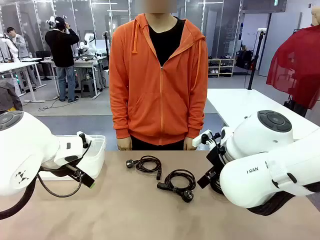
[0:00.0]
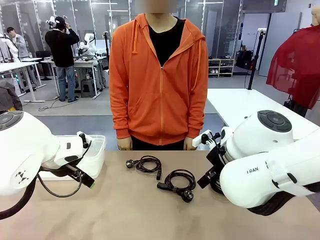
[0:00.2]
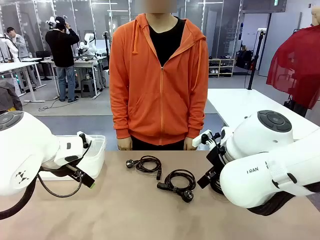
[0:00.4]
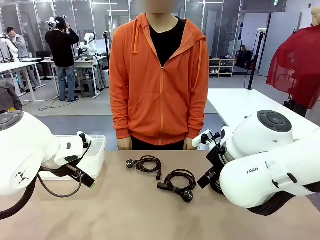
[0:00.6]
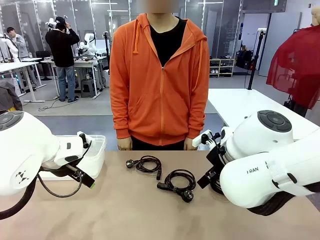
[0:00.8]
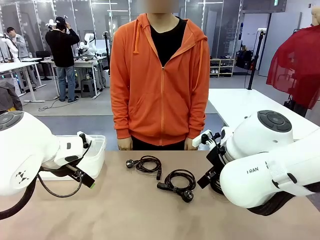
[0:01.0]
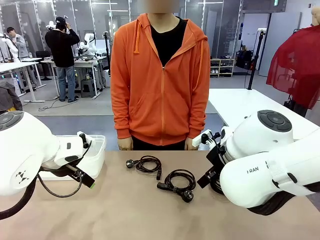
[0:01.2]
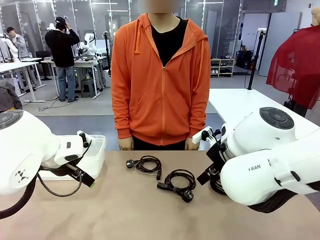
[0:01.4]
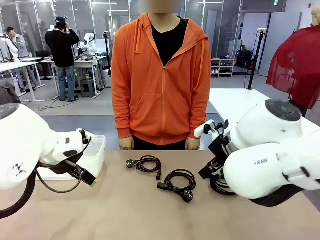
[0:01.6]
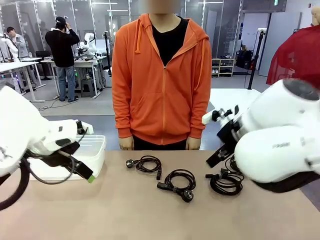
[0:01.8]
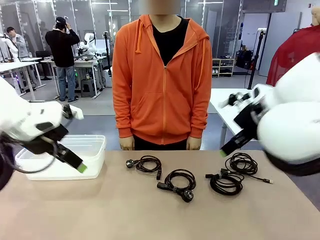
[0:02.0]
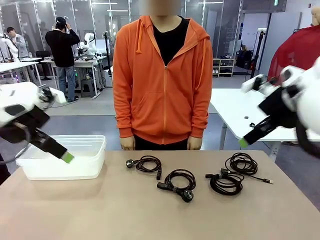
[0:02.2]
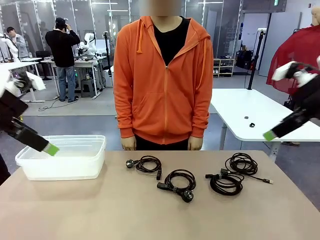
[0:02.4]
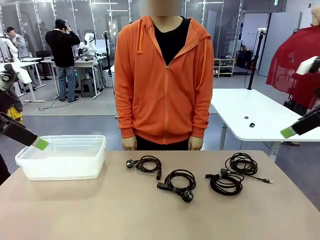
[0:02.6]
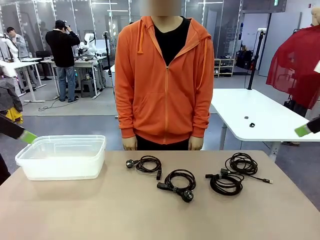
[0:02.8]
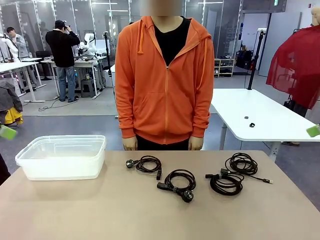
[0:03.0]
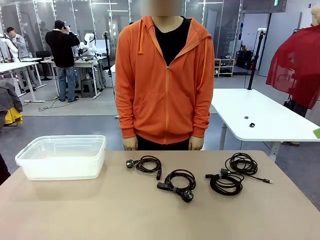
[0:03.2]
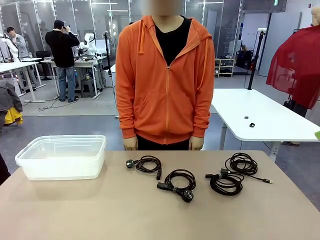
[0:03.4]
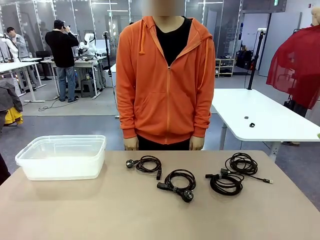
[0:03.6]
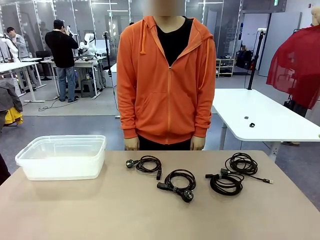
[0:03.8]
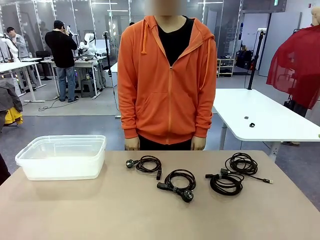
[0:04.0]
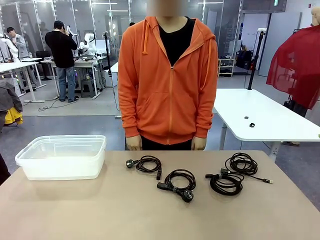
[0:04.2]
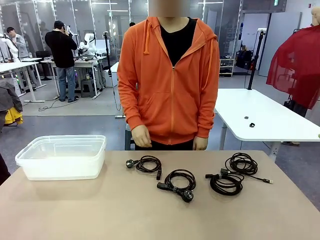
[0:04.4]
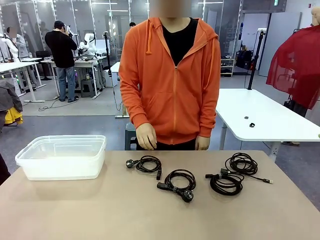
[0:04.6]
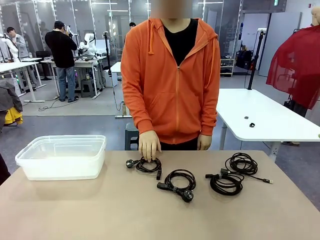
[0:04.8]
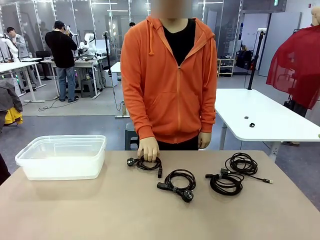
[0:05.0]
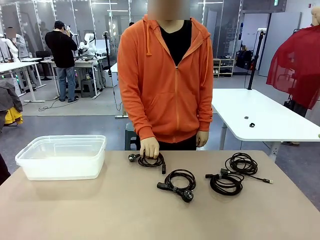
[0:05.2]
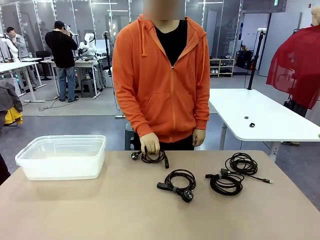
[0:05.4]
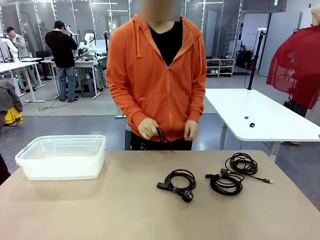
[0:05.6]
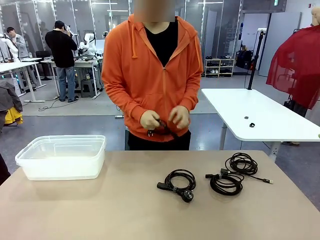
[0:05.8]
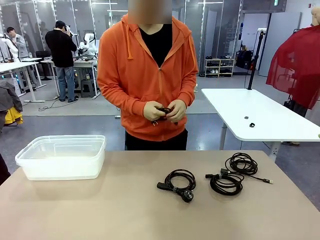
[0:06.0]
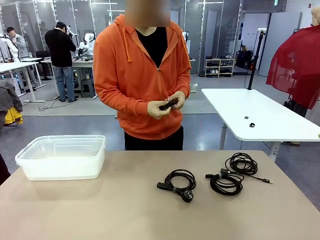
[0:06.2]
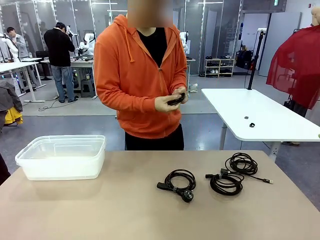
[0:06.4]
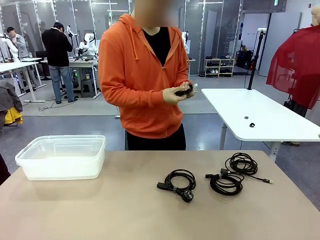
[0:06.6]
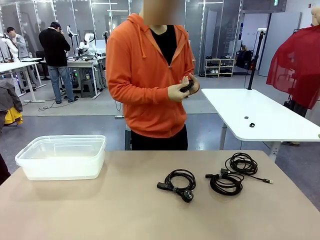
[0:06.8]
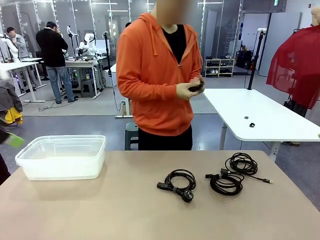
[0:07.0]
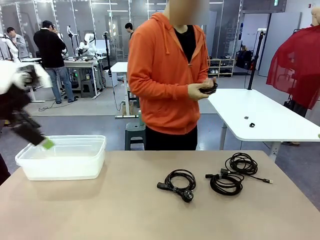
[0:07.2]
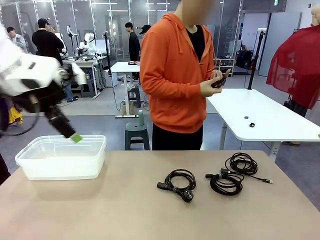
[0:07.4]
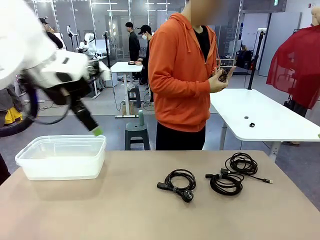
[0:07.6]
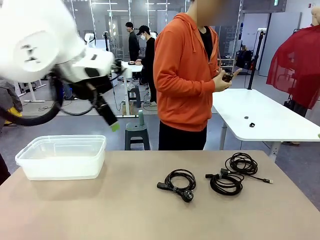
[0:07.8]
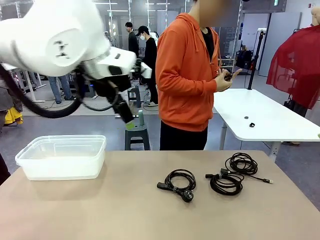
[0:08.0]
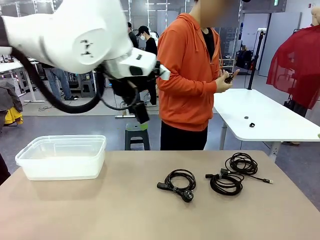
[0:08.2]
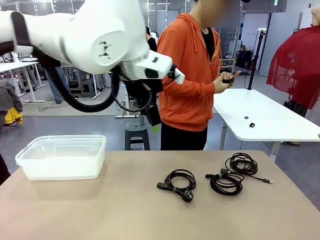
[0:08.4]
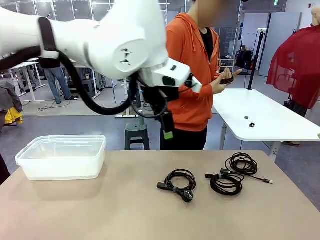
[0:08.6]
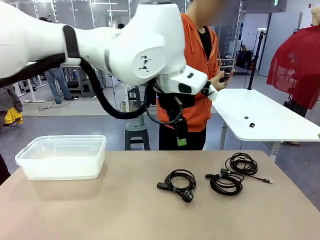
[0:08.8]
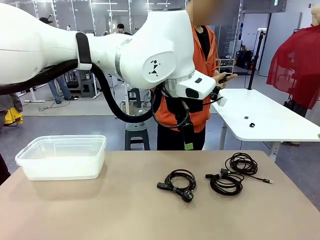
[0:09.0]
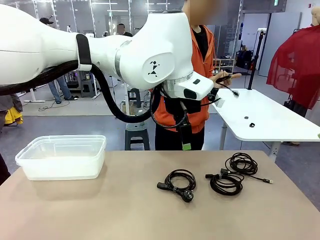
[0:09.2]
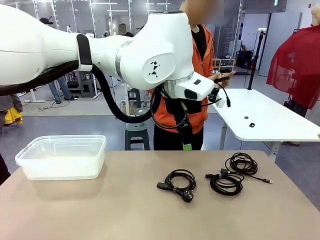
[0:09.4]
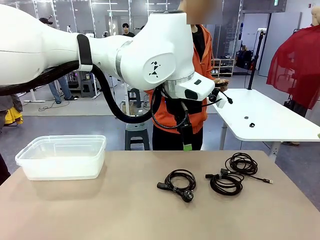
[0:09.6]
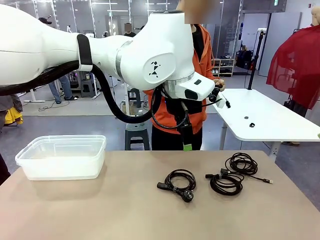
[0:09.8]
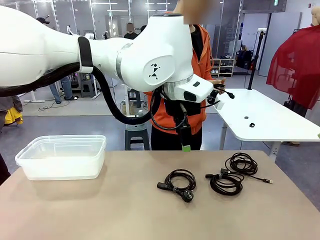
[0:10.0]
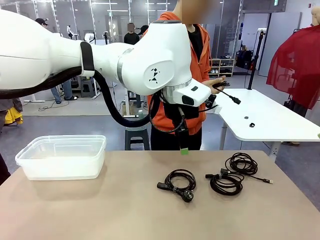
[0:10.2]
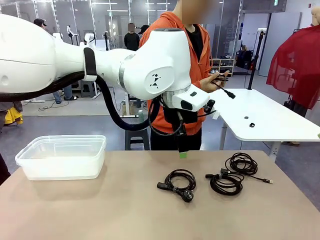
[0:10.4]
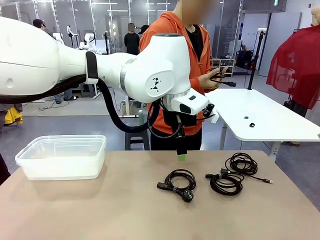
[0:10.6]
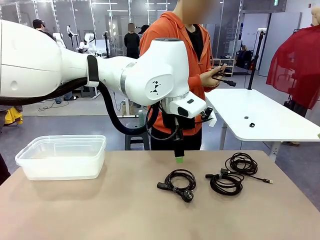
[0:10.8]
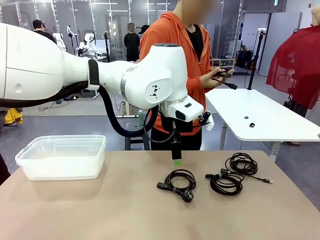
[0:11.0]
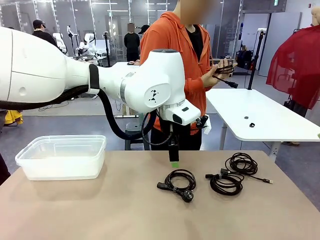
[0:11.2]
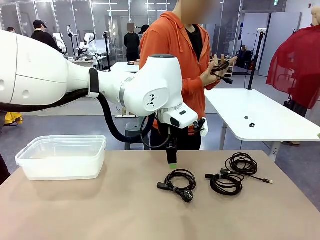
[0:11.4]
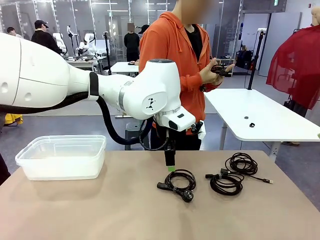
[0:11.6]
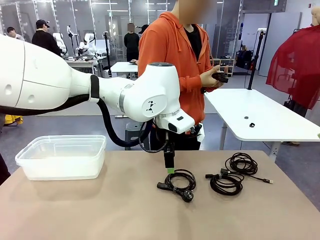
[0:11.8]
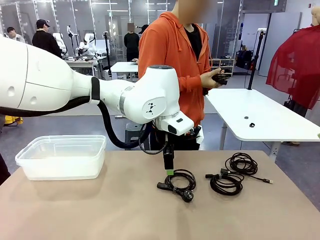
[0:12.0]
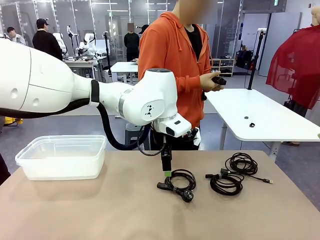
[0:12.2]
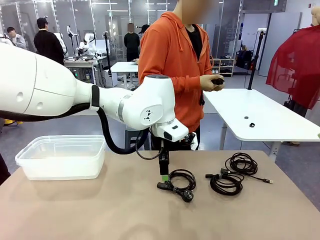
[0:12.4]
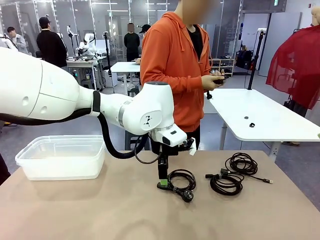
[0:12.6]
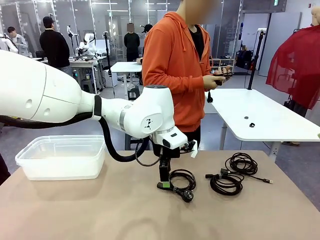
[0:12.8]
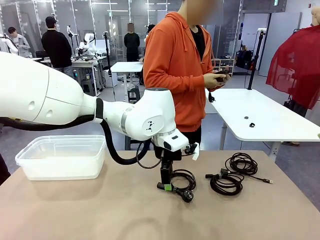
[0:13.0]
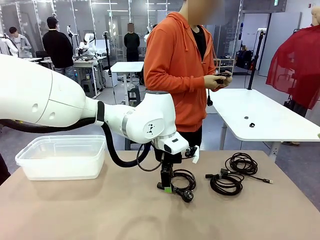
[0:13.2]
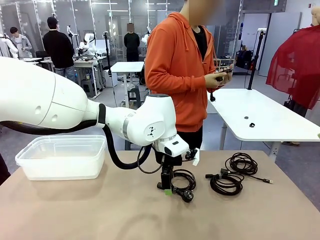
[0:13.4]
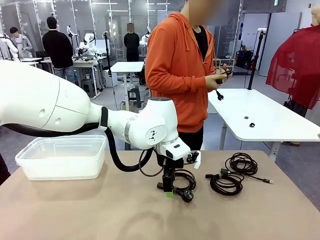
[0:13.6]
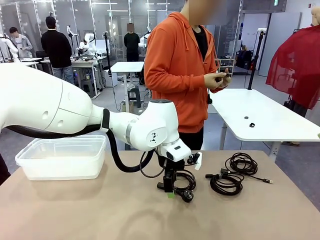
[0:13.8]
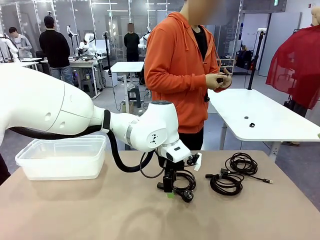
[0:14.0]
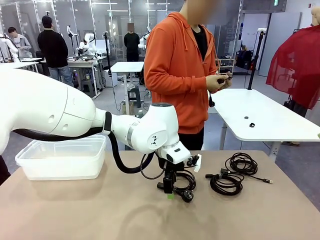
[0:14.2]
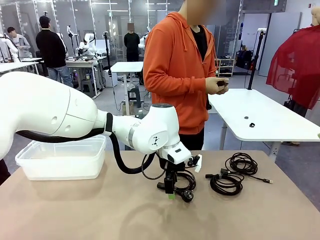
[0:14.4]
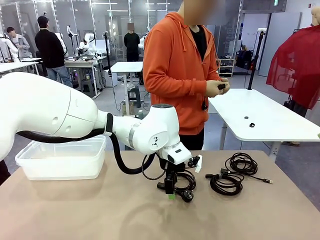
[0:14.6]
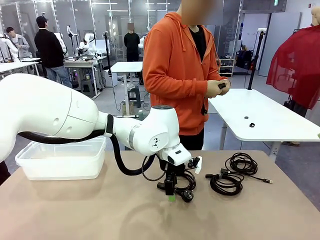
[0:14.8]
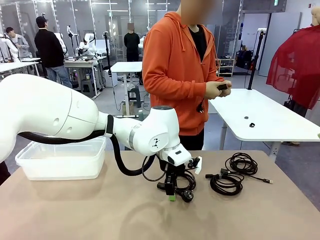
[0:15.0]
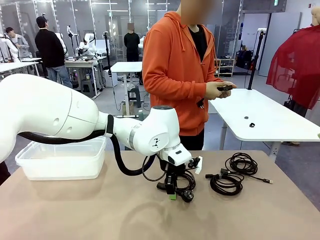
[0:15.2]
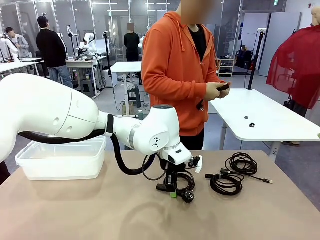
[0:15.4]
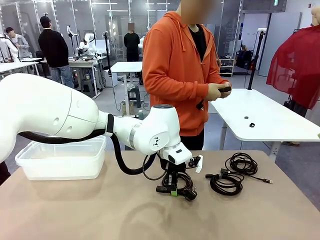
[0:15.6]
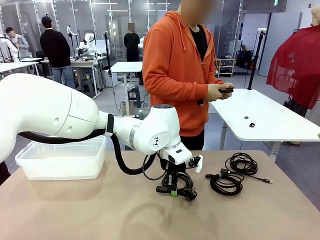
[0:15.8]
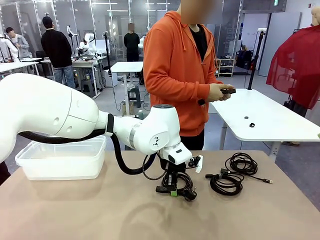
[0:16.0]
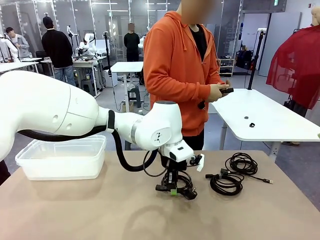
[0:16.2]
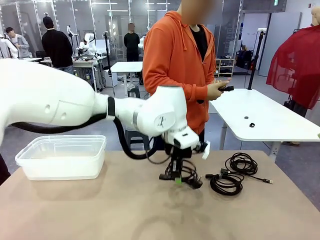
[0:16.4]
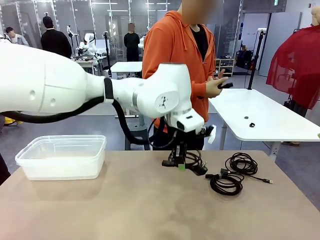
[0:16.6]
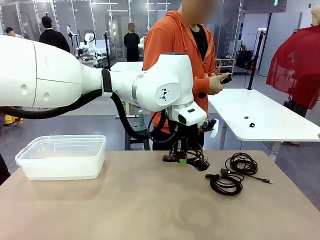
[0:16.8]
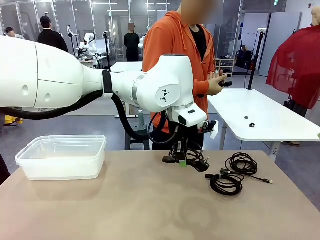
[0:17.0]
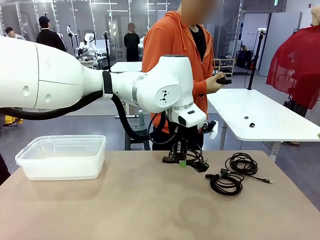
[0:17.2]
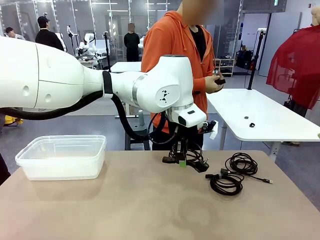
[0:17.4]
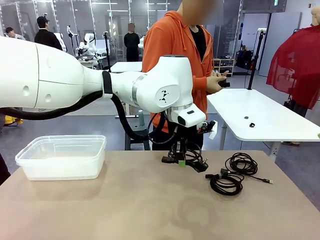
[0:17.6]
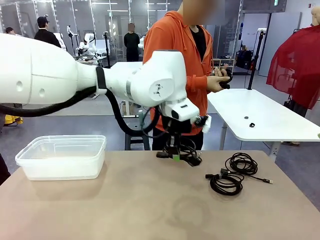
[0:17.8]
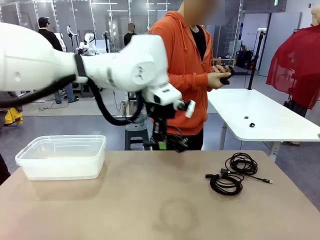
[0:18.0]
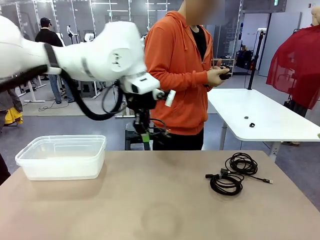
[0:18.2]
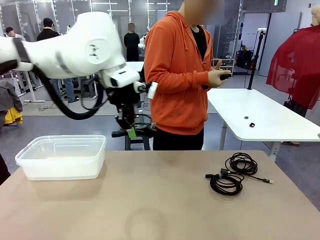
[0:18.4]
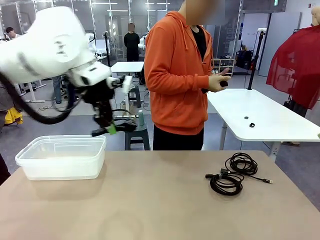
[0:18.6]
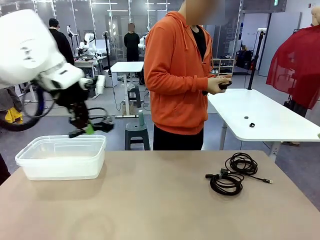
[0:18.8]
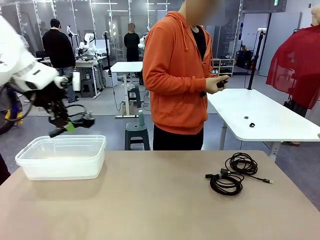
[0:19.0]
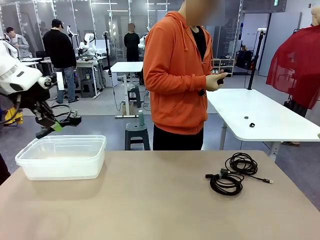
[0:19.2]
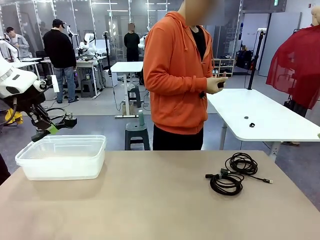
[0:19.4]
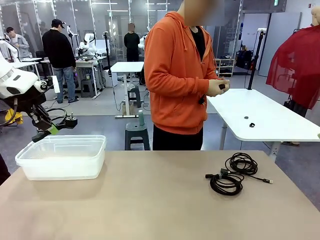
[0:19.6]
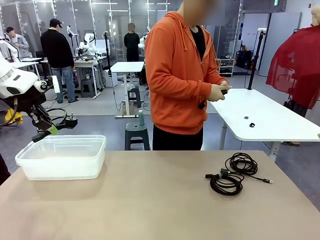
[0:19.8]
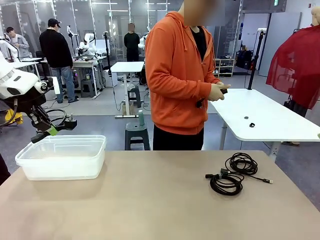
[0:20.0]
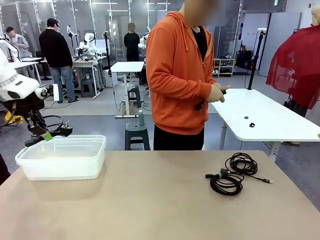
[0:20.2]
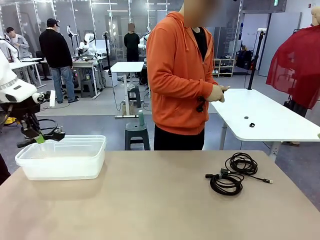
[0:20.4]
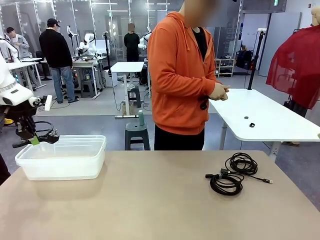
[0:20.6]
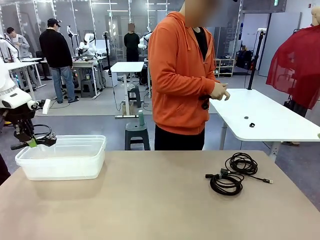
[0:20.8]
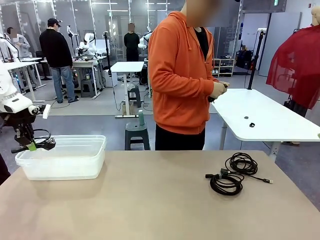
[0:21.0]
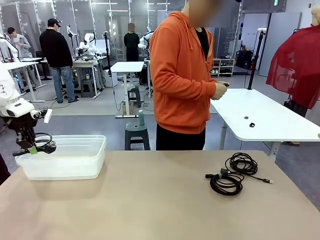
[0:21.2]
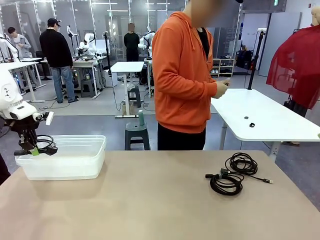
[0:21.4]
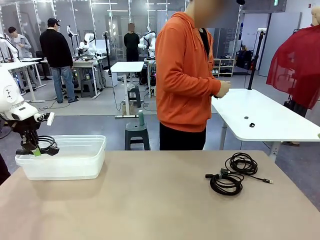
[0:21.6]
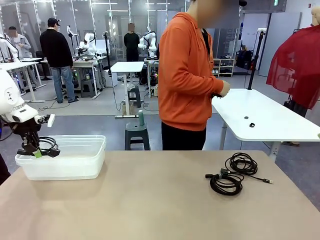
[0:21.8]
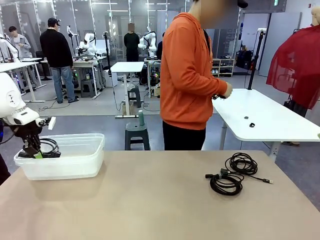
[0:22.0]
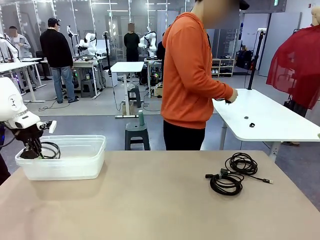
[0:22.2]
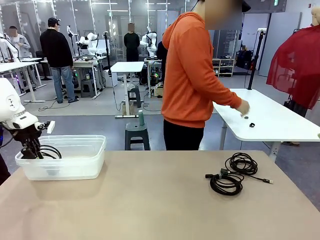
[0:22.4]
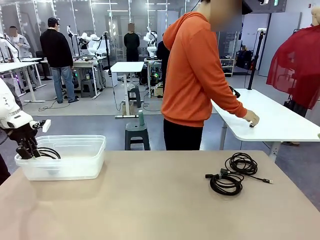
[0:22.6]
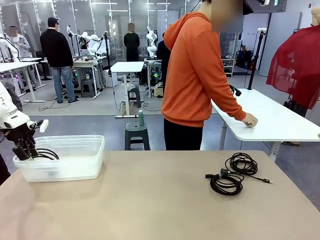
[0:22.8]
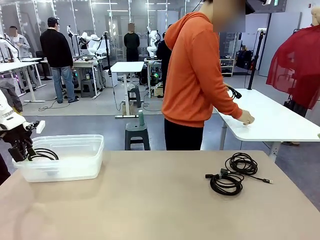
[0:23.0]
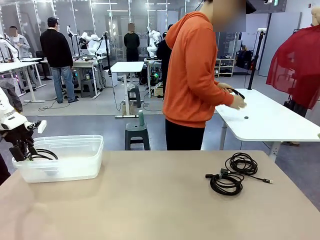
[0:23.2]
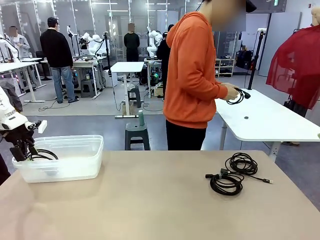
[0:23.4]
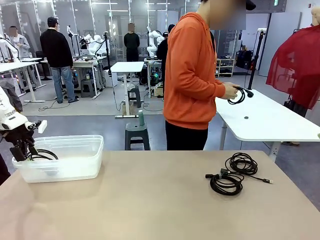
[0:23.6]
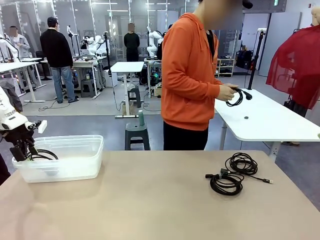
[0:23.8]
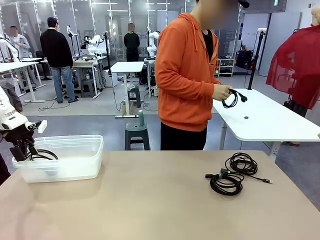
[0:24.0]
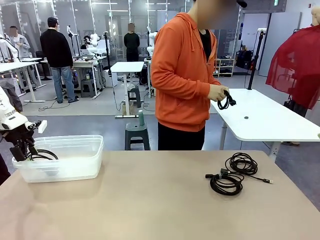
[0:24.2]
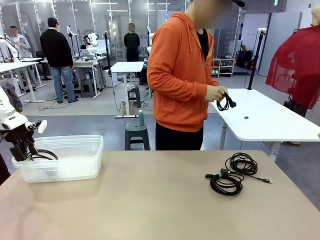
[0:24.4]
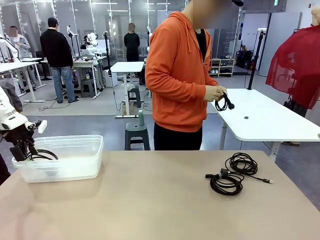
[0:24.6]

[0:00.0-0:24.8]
Task: Organize and store the cables.
Robot: Place the Power Cable into the Organizing box.
Person: Tie one Power Cable with a Reusable Cable Tie.
